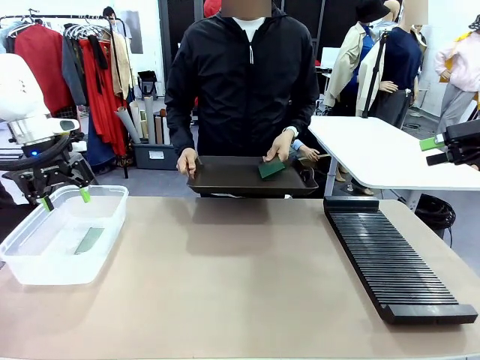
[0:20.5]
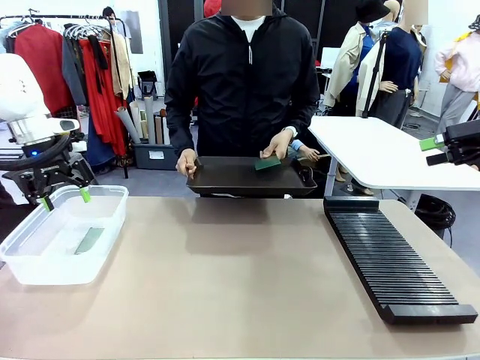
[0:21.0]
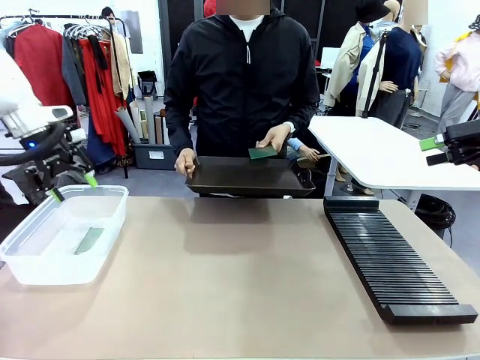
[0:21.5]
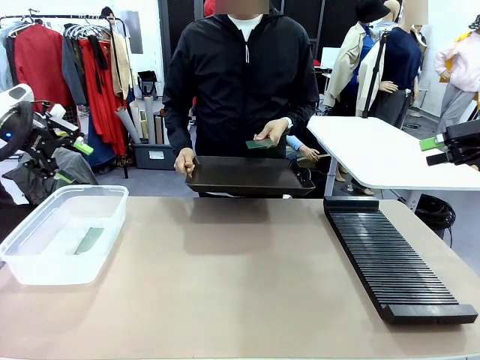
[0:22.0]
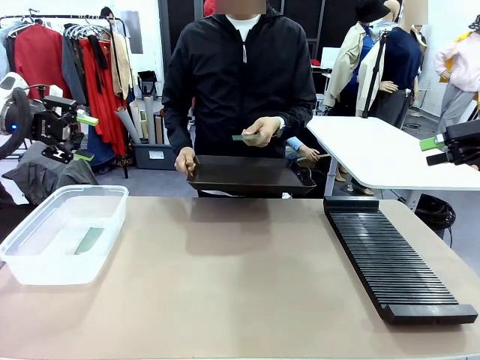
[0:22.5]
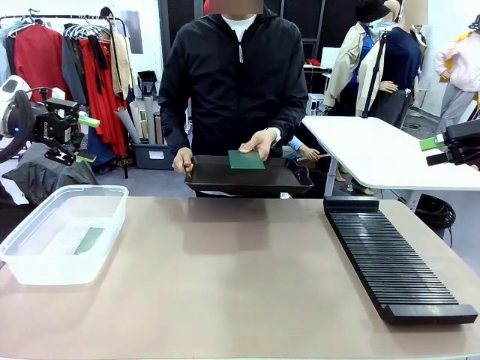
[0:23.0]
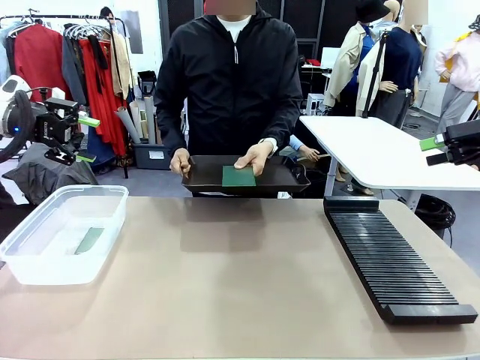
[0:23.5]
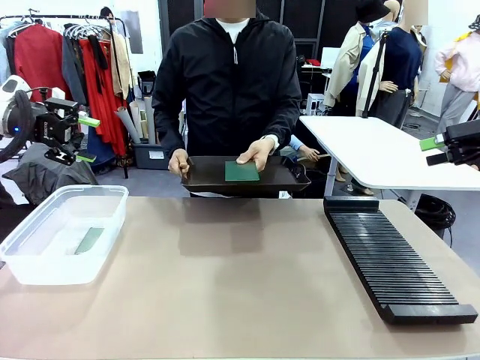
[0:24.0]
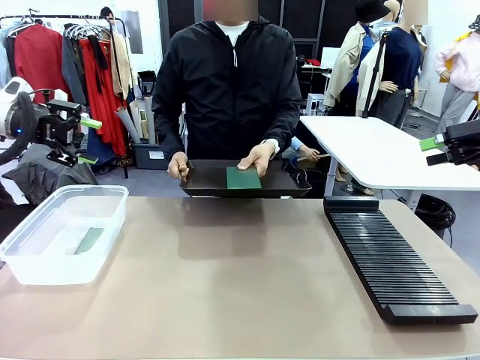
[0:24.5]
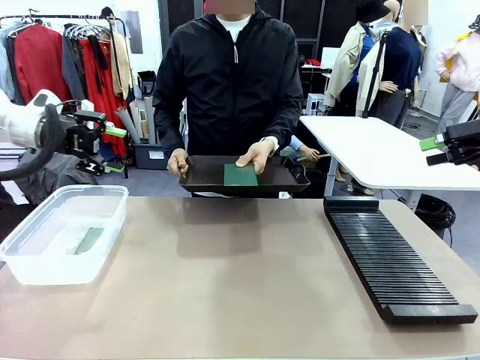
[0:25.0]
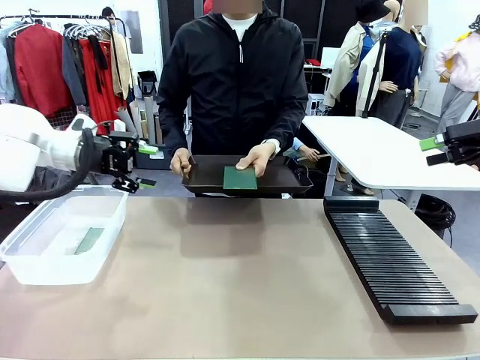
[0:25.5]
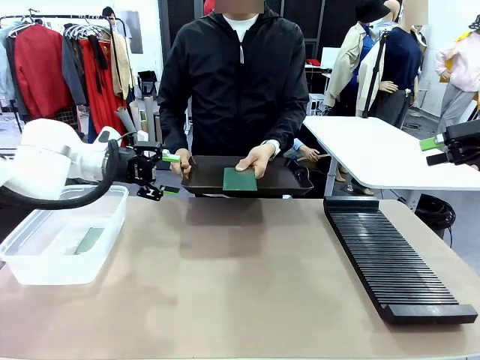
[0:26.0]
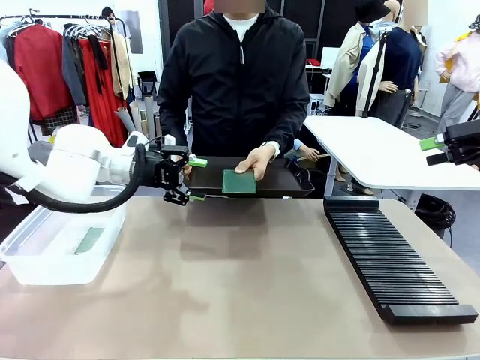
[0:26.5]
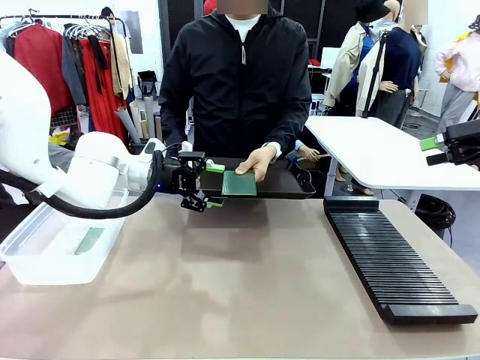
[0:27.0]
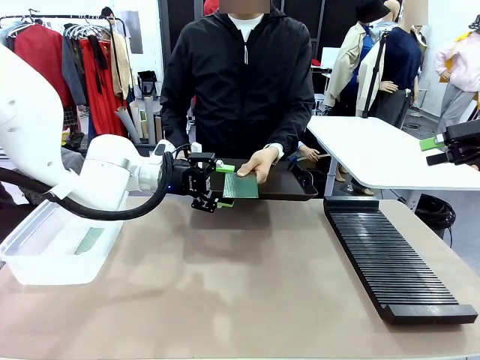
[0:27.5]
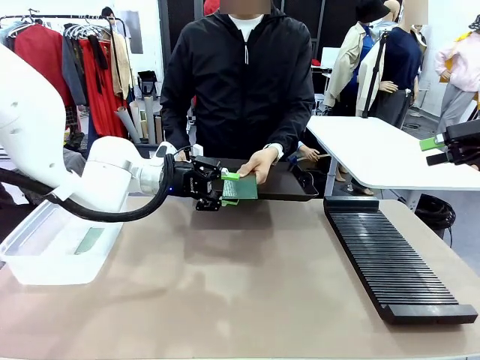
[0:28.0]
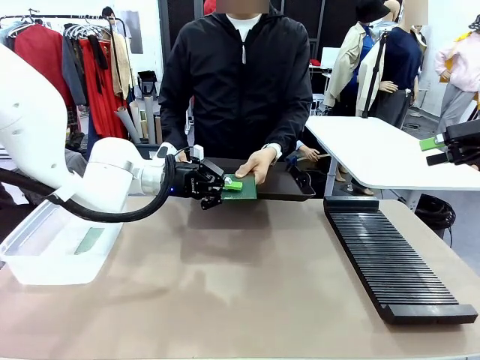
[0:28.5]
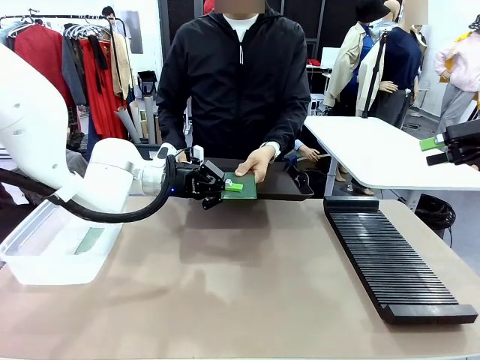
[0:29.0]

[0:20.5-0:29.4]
Task: Sort PCBs into racks and boxes based on the side picked up.
Robot: Pick up the Blank PCB handed by the Human.

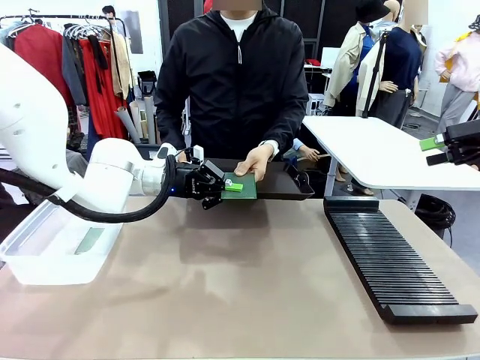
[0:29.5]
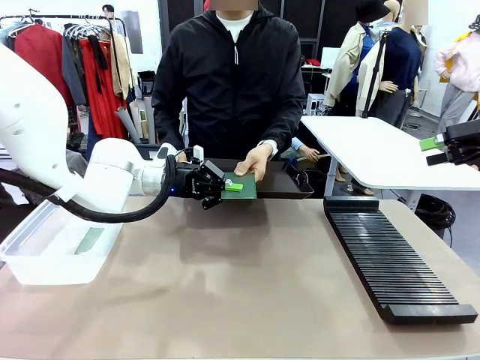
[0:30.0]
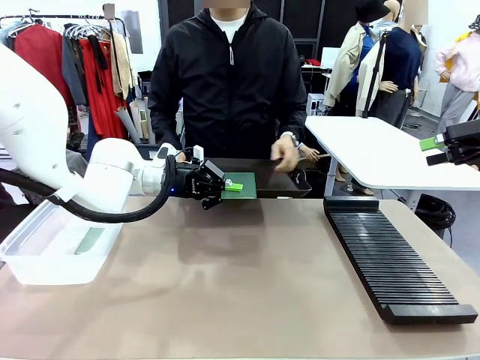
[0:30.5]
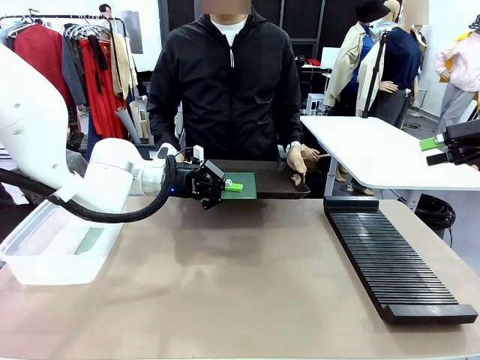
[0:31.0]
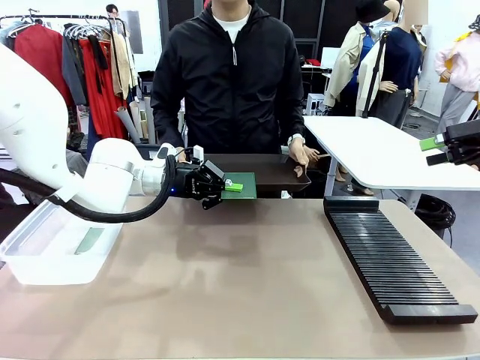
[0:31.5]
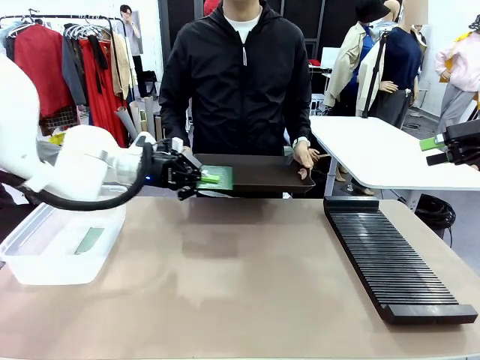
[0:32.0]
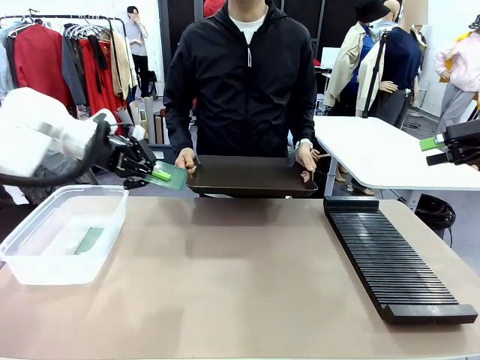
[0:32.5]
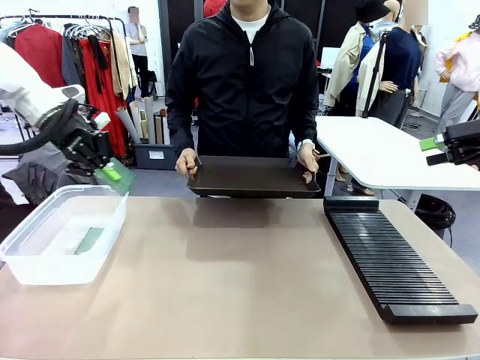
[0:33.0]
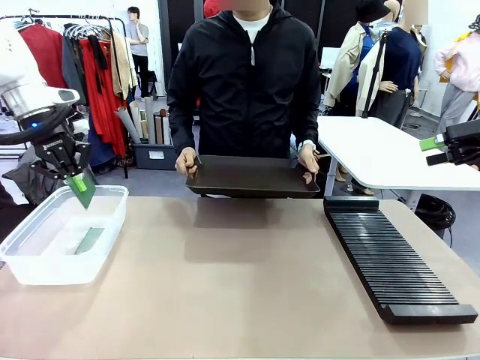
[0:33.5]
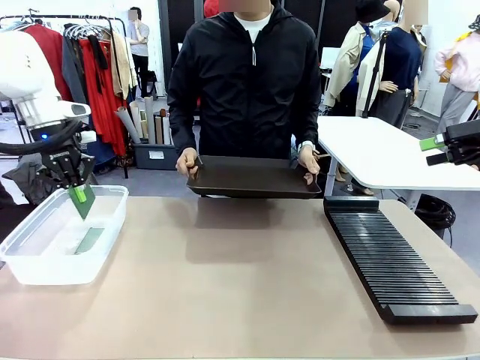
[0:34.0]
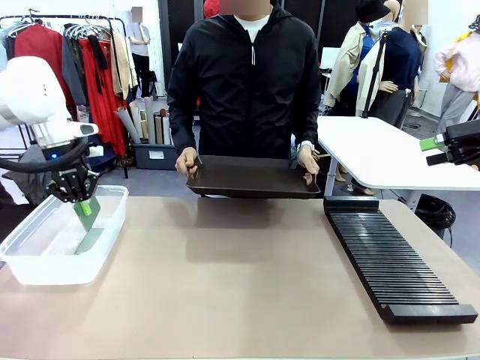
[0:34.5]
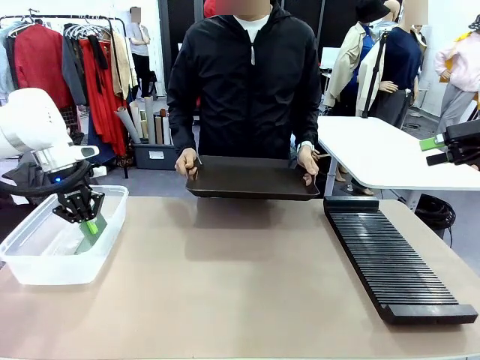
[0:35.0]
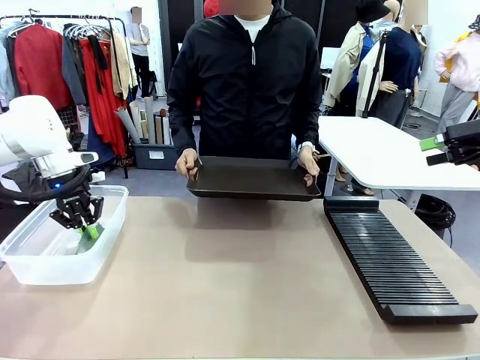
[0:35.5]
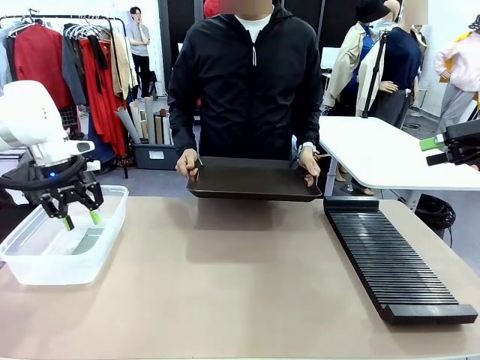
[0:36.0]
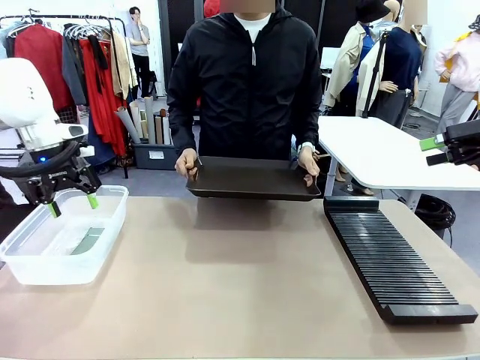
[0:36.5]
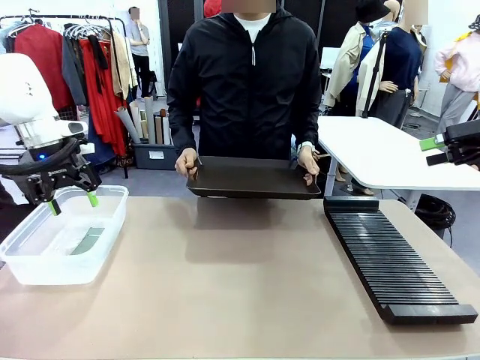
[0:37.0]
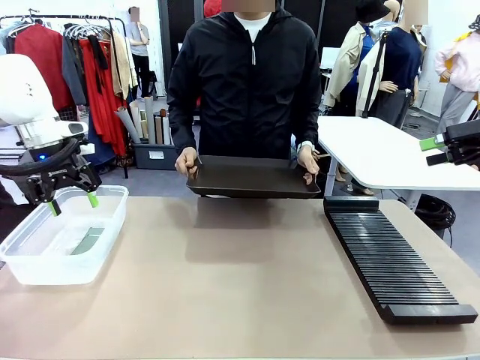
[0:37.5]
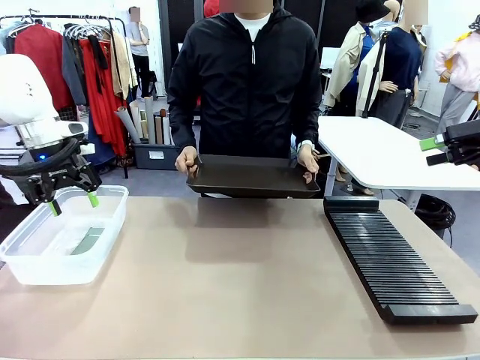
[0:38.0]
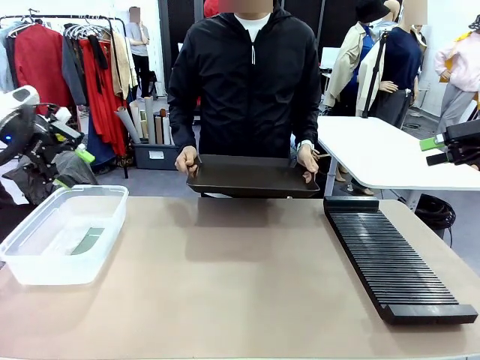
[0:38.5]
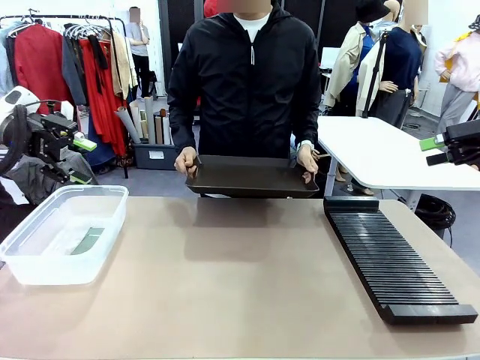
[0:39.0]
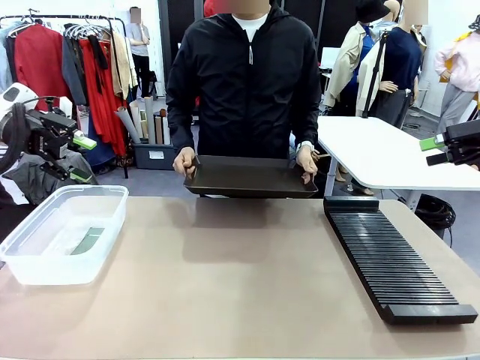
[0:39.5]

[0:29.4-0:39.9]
Robot: If the short side of the Blank PCB is picked up, insert it into the PCB Rack ; if the long side is picked up, place it in the Organizing box.
Person: Release the PCB being held.
